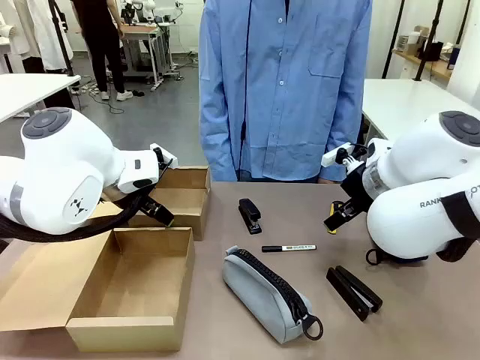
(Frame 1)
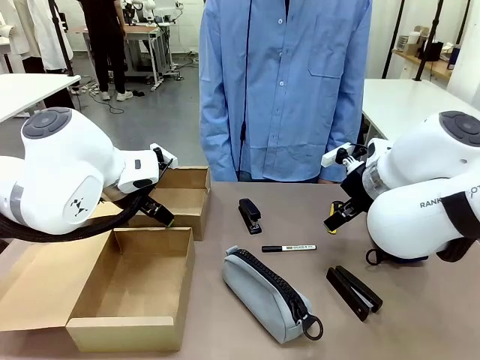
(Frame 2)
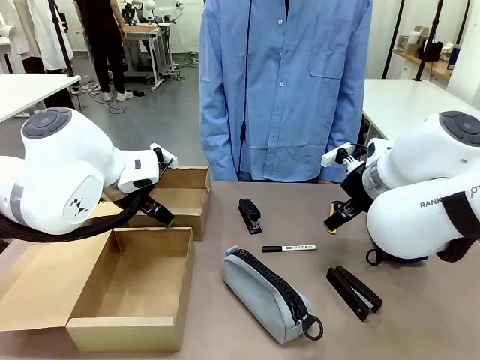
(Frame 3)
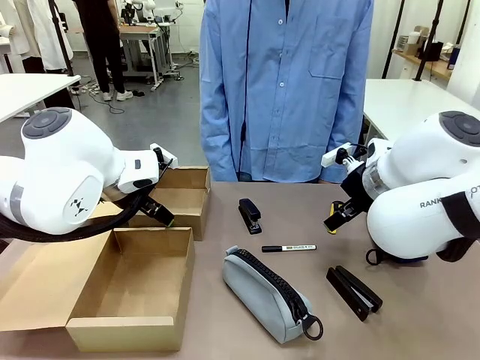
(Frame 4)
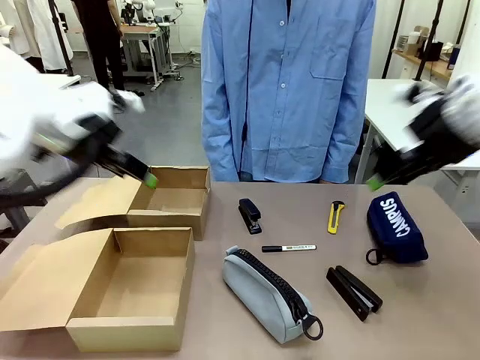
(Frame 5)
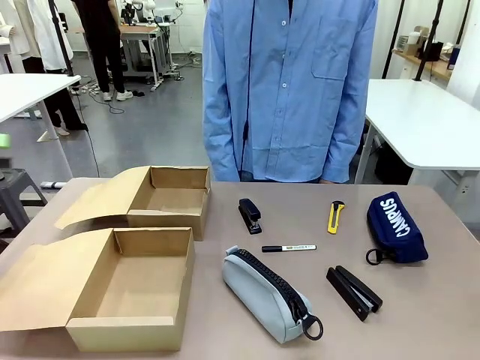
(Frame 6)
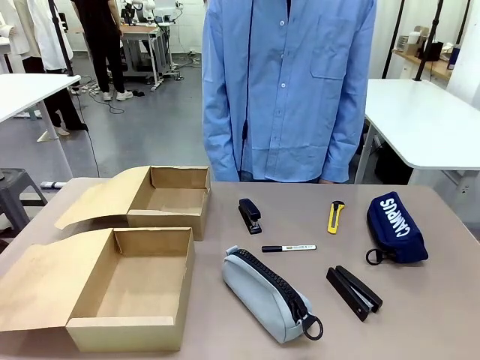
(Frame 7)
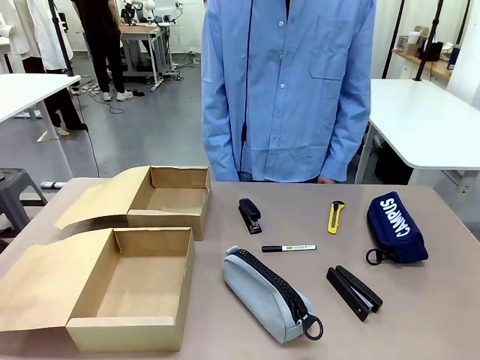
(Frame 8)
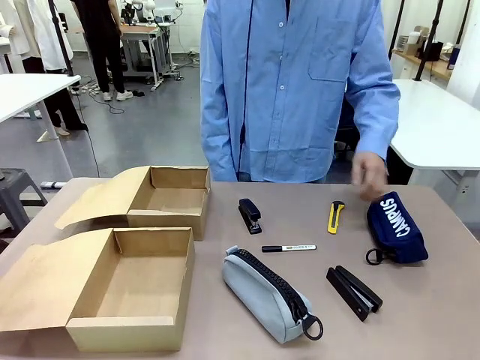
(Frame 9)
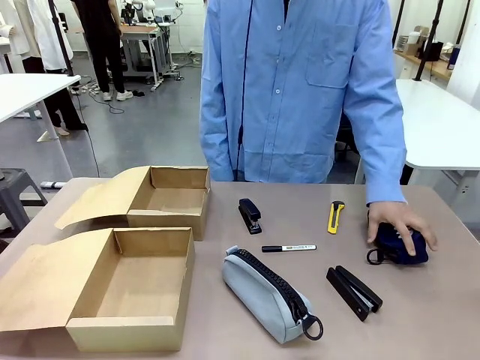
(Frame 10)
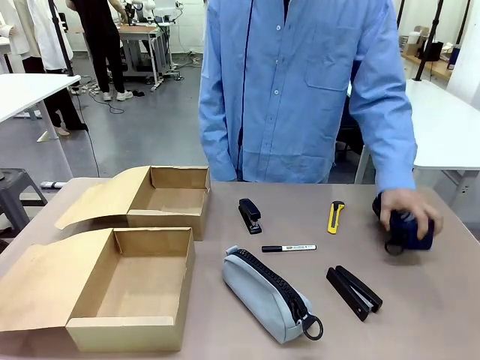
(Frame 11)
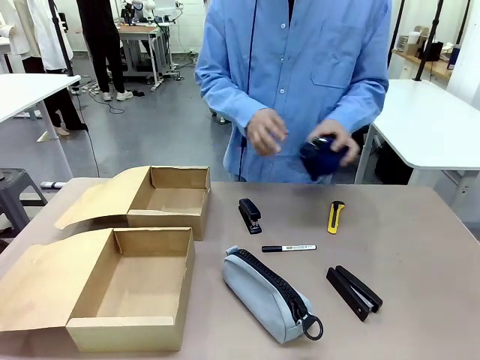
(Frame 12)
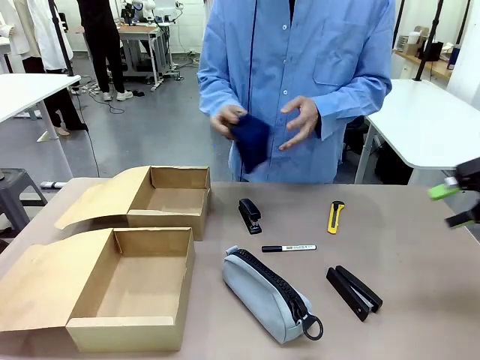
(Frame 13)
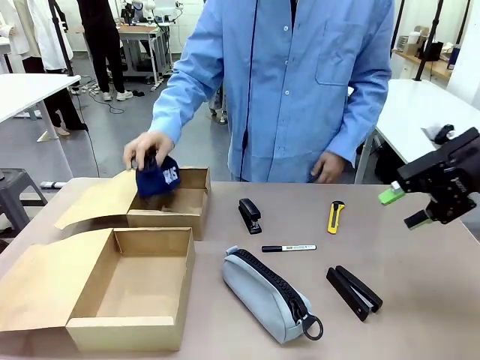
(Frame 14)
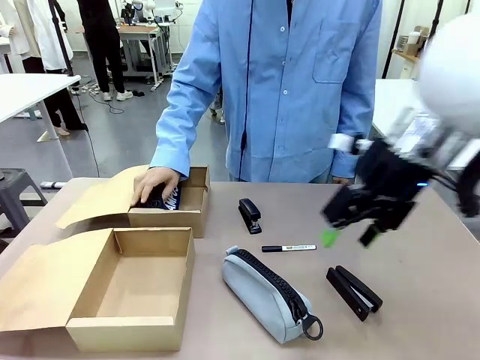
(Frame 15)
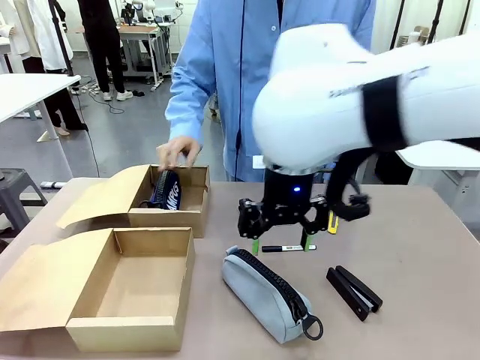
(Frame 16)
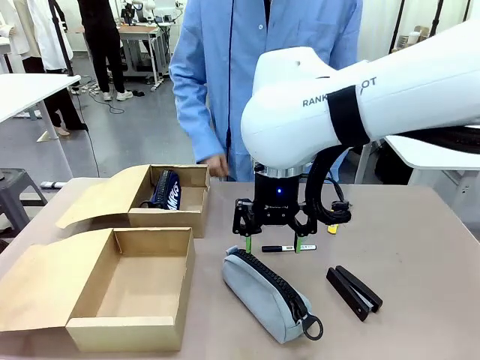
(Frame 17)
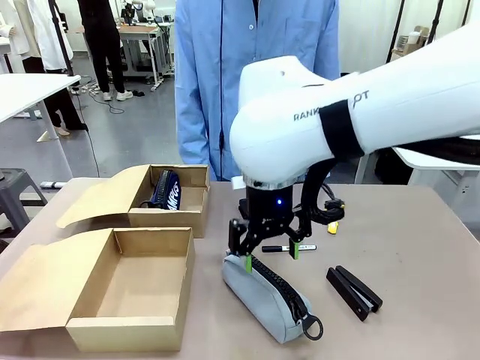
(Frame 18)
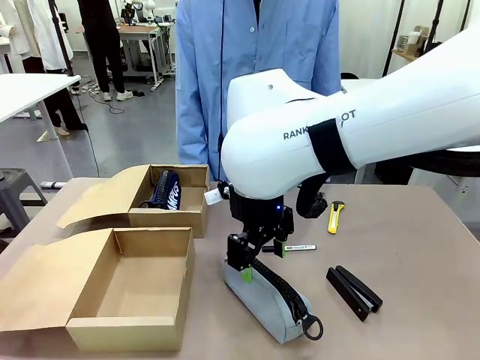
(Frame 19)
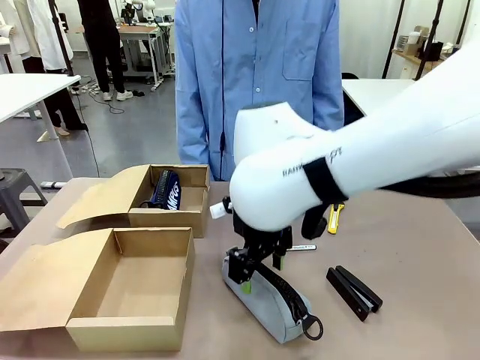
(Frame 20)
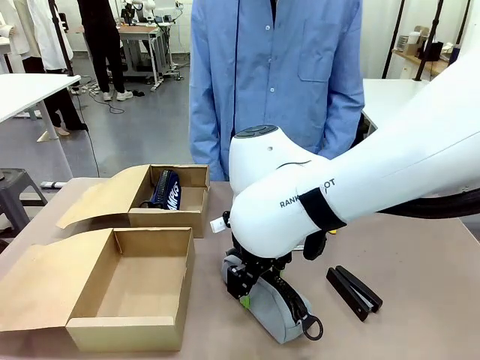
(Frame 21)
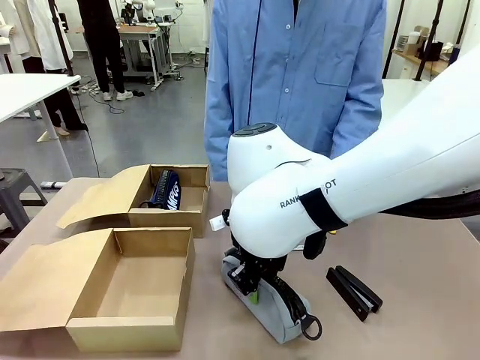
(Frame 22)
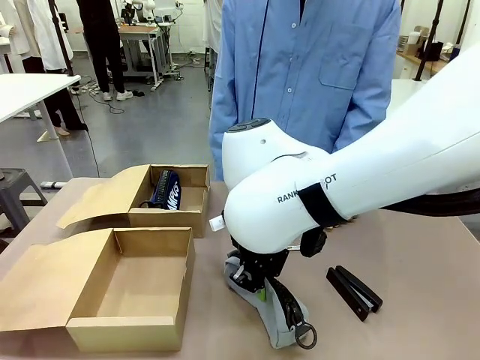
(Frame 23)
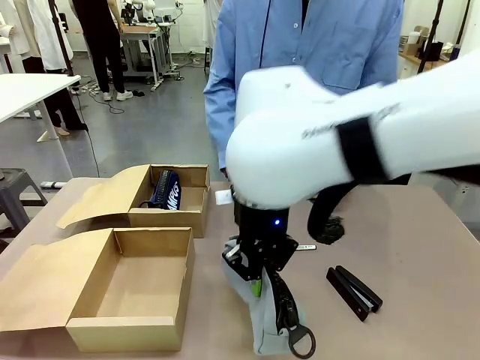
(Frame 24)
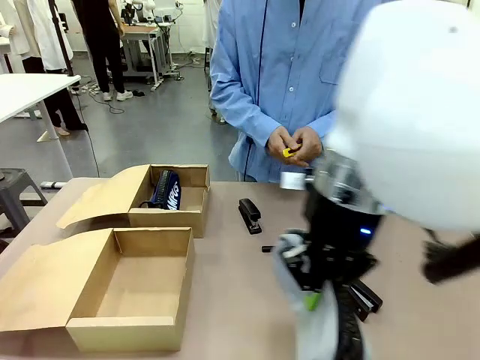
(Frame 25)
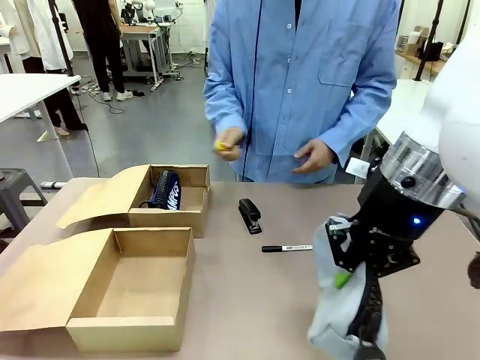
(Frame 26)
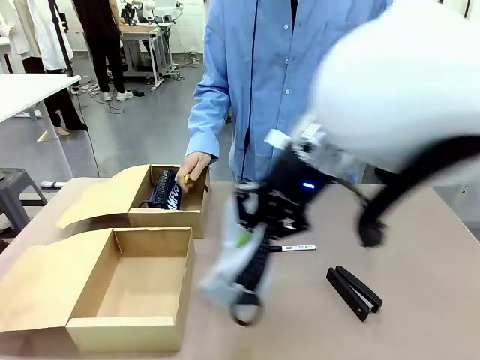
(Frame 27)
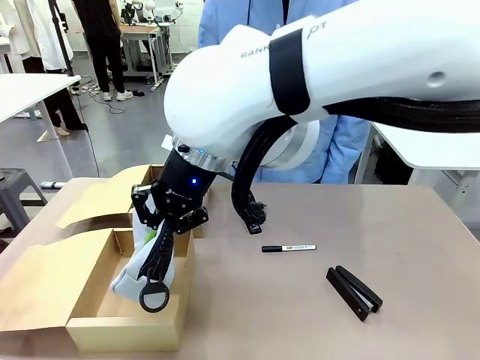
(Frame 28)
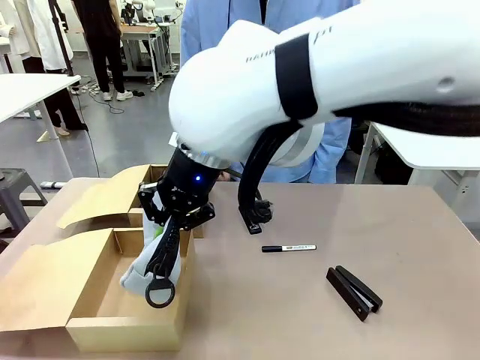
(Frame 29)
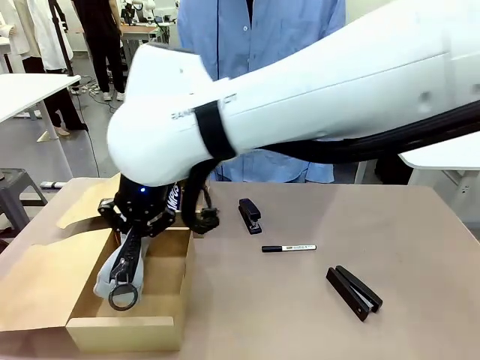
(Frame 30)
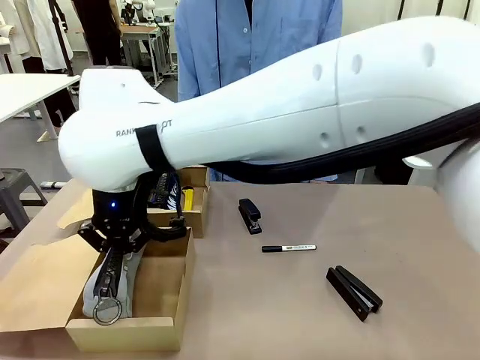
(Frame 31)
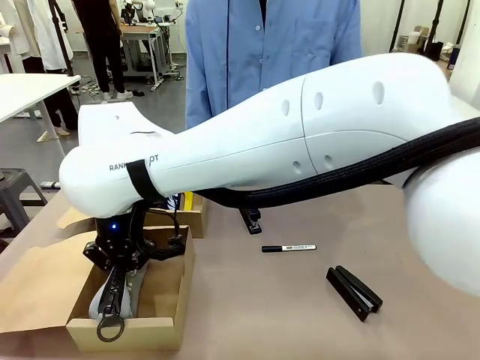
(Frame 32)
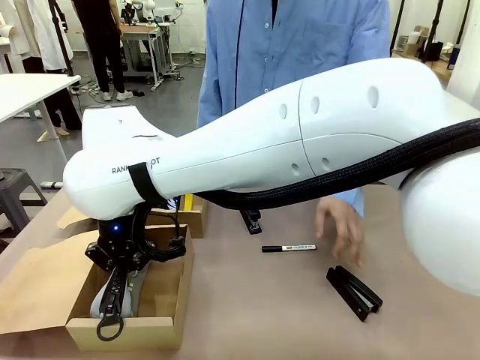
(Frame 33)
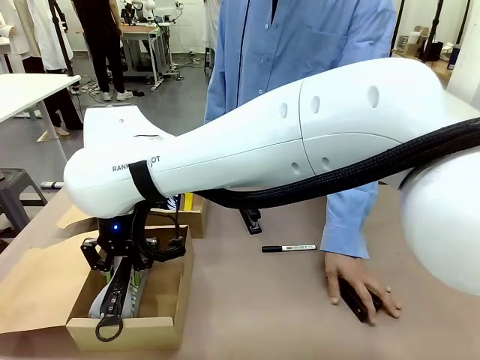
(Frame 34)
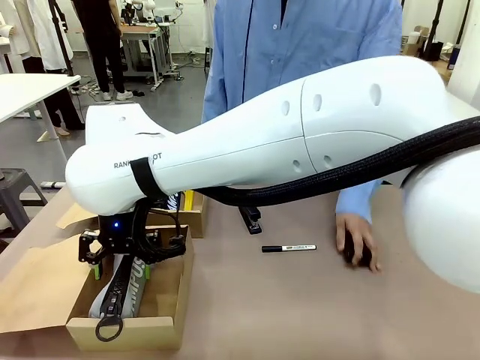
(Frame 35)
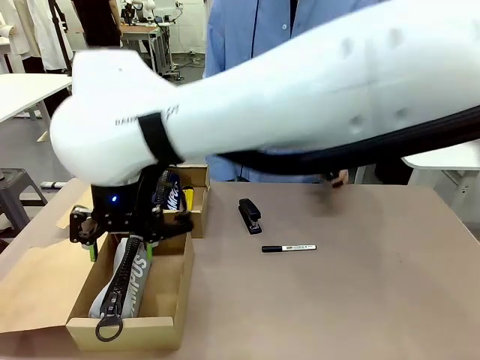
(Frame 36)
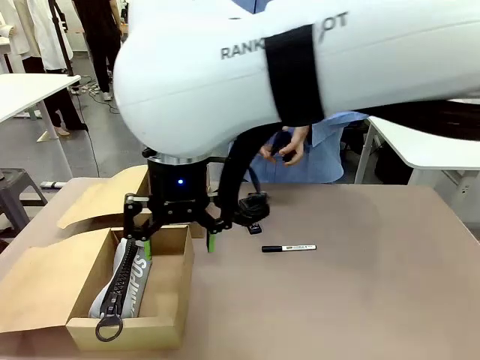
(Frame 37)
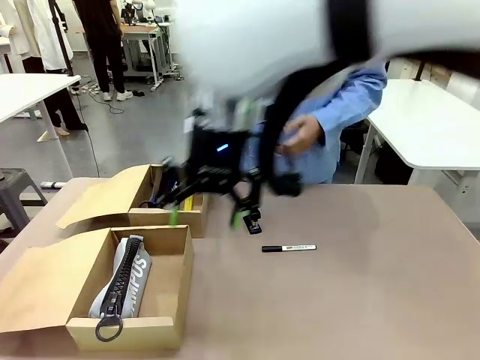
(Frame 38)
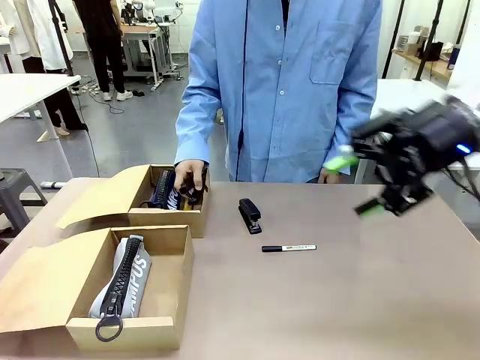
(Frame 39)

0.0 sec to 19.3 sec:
Task: Place items inside the box.
Robot: Pick up a Pencil pouch or Stapler and place it inside the Mailer Box closest to the robot.
Person: Pick up an object on the table and put it in the box.
